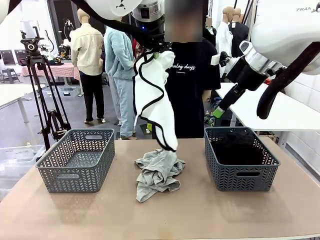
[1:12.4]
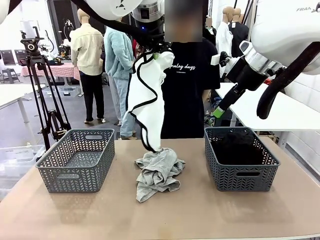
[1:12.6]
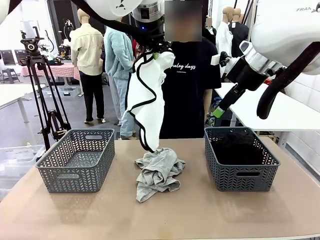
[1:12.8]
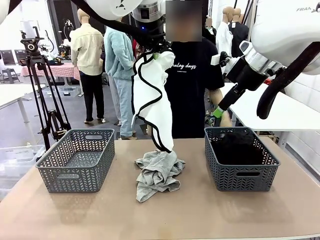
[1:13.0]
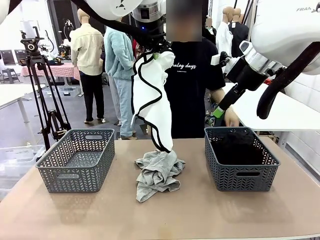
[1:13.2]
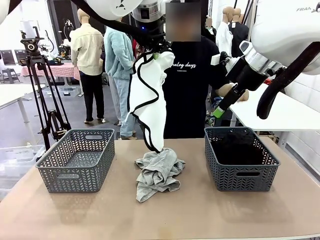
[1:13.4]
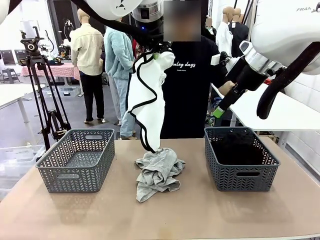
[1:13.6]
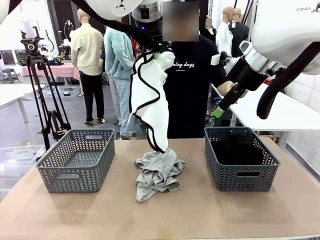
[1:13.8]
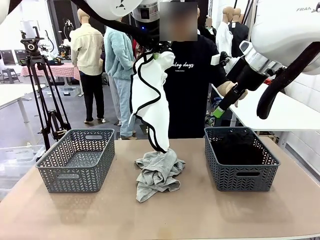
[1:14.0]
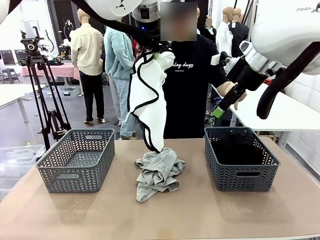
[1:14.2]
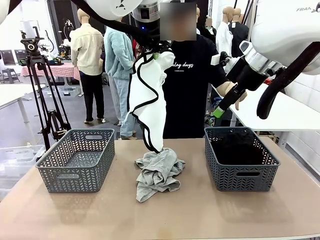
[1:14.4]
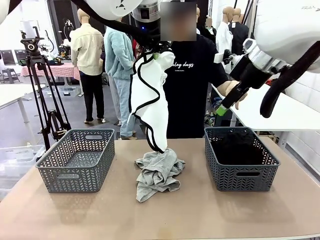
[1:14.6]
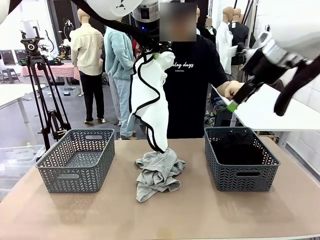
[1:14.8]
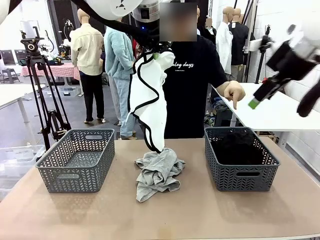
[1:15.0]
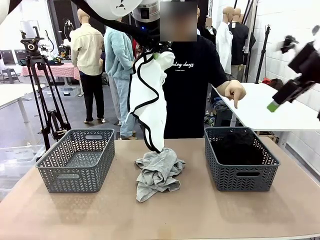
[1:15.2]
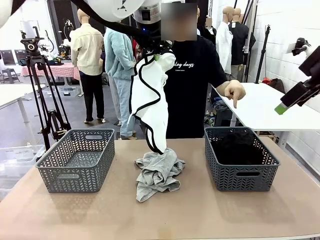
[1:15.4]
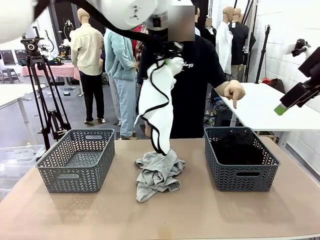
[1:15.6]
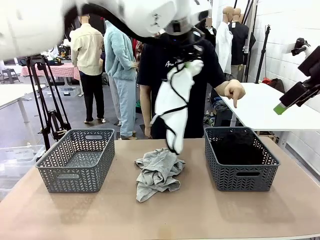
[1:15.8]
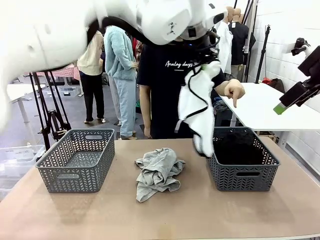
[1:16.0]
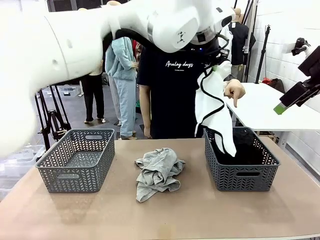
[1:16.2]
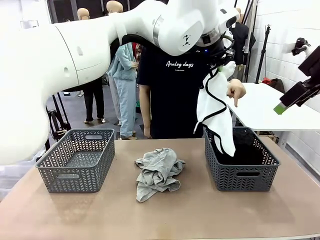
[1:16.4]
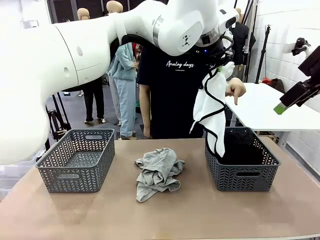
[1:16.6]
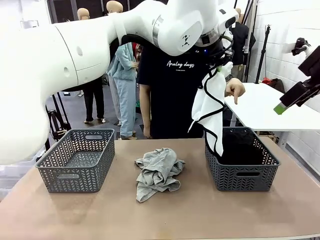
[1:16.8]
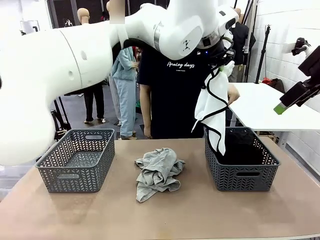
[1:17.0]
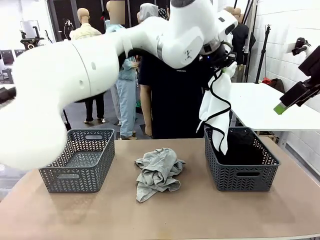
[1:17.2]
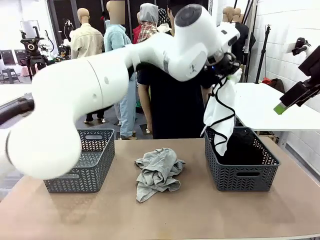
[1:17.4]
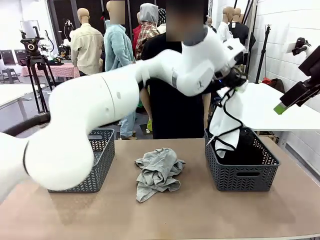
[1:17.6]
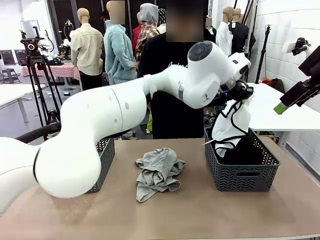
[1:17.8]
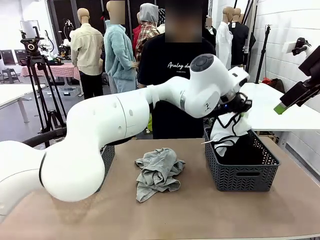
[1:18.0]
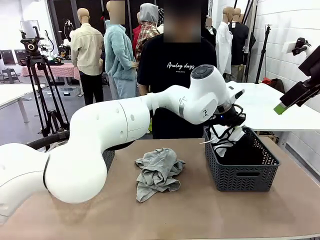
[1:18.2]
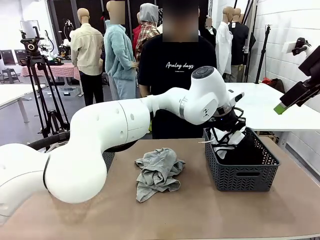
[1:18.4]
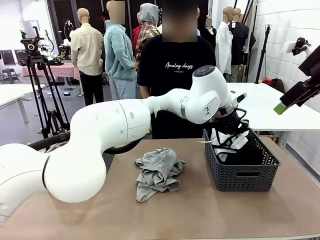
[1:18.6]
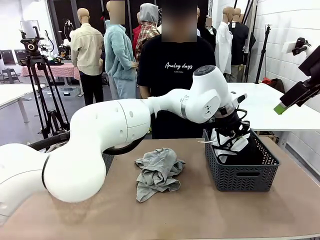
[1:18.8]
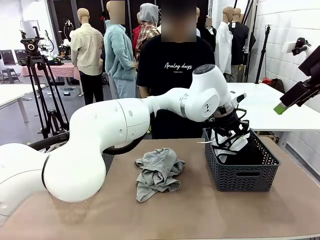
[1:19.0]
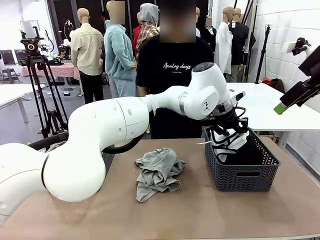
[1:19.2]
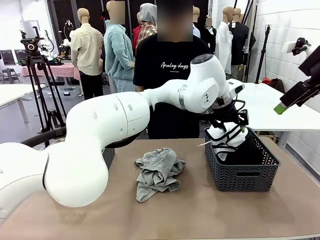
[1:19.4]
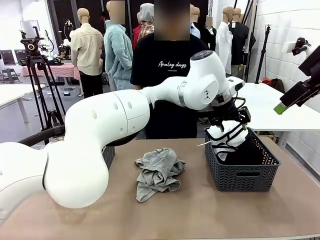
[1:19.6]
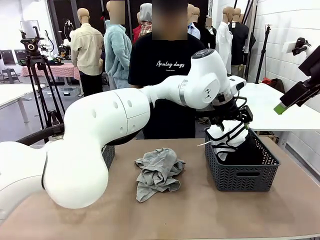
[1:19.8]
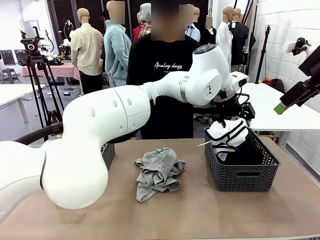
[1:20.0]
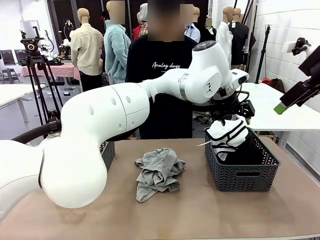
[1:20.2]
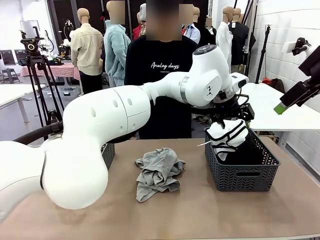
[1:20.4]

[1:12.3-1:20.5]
Task: Sort the tops and bottoms.
Robot: Sort the clothes according to human instructions.

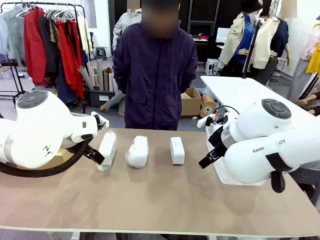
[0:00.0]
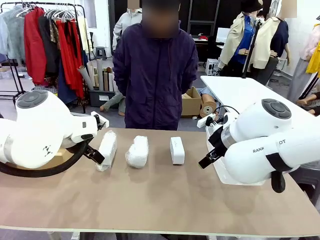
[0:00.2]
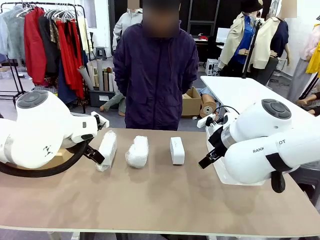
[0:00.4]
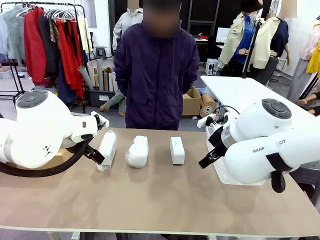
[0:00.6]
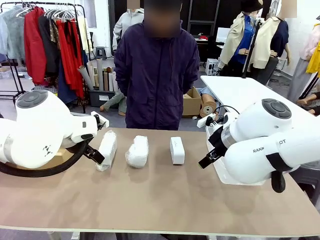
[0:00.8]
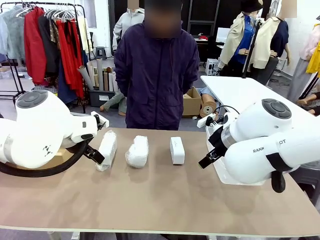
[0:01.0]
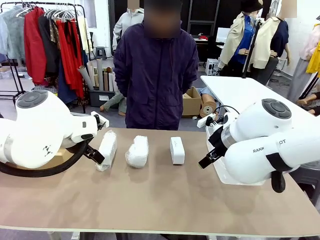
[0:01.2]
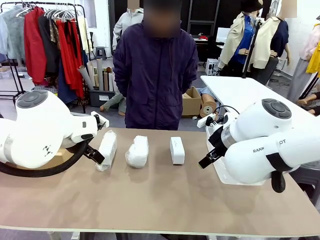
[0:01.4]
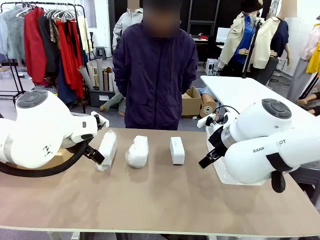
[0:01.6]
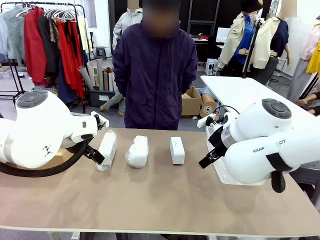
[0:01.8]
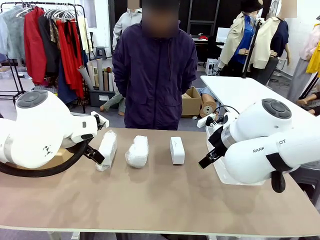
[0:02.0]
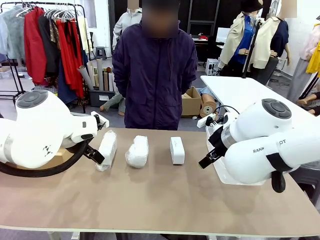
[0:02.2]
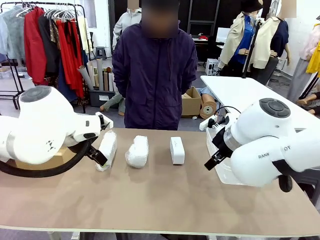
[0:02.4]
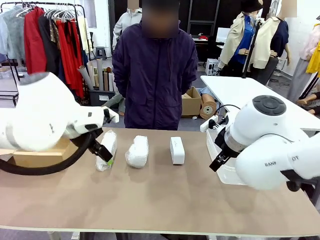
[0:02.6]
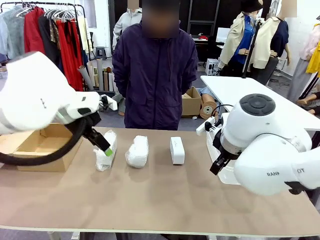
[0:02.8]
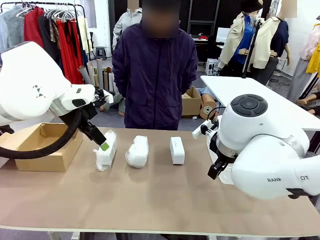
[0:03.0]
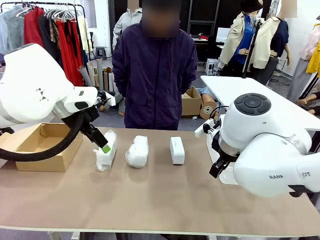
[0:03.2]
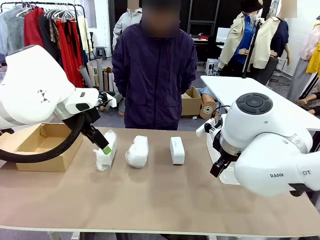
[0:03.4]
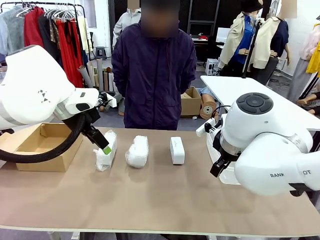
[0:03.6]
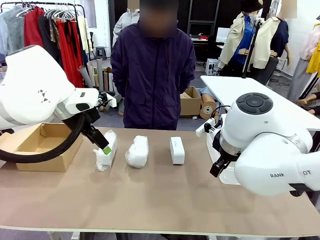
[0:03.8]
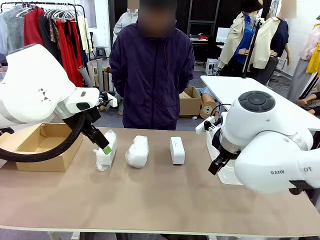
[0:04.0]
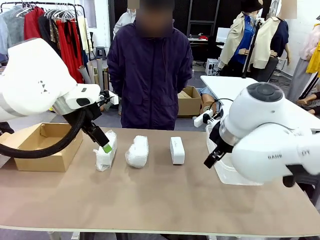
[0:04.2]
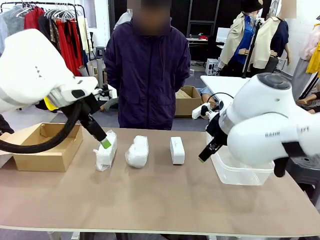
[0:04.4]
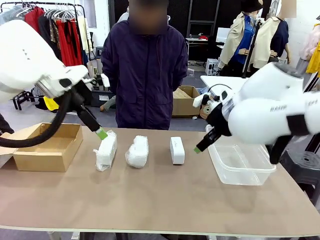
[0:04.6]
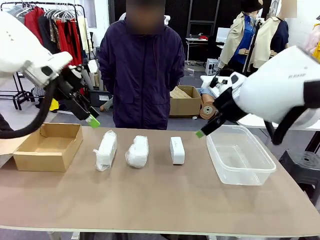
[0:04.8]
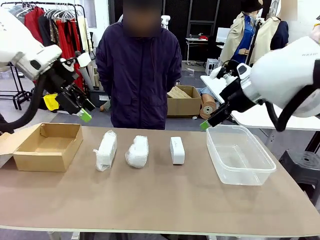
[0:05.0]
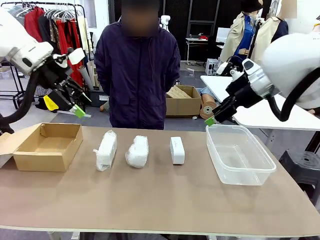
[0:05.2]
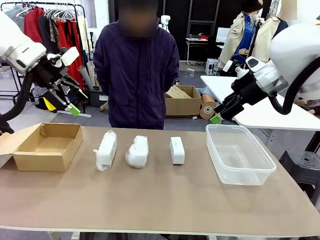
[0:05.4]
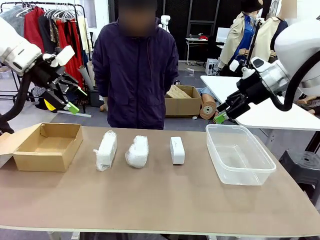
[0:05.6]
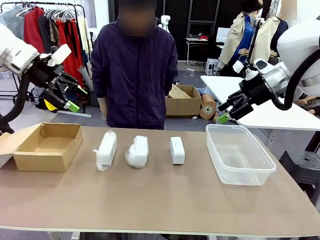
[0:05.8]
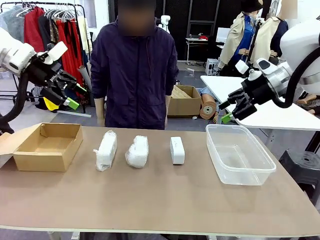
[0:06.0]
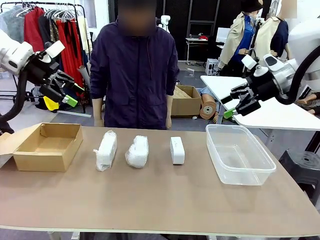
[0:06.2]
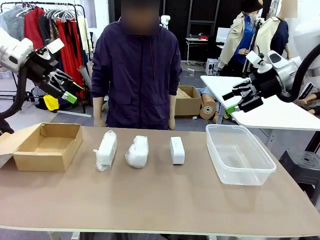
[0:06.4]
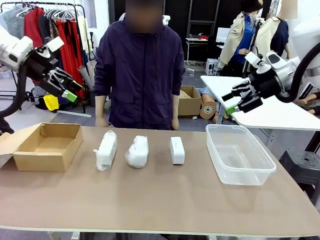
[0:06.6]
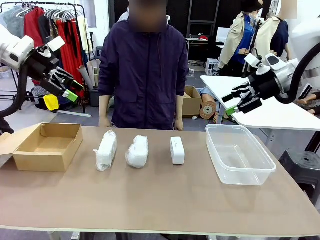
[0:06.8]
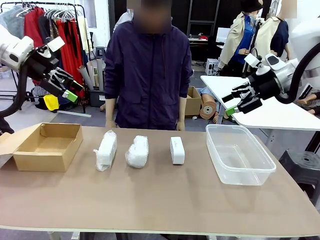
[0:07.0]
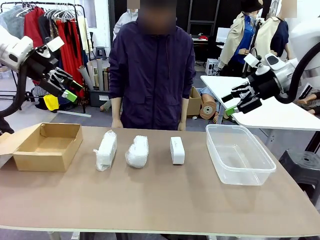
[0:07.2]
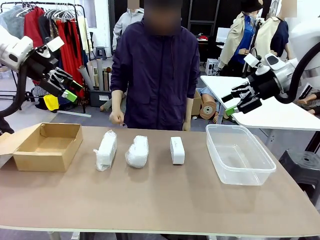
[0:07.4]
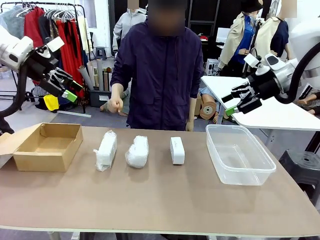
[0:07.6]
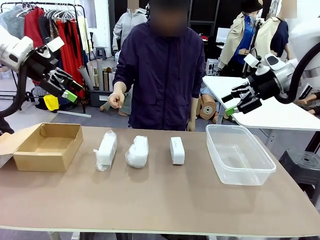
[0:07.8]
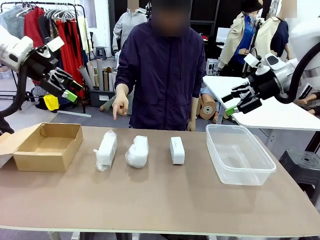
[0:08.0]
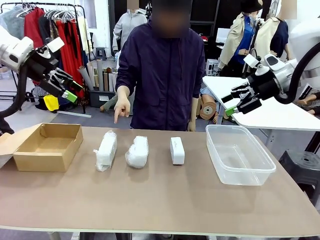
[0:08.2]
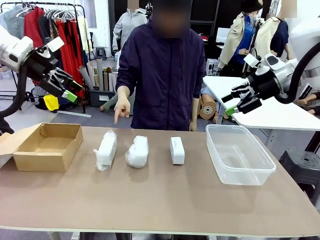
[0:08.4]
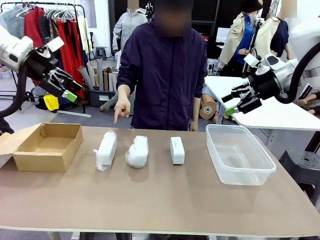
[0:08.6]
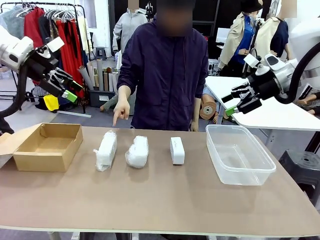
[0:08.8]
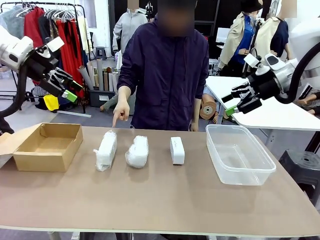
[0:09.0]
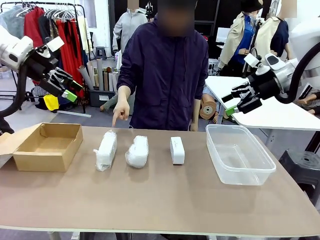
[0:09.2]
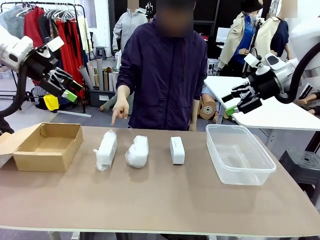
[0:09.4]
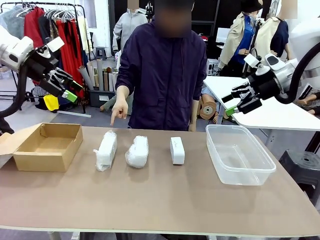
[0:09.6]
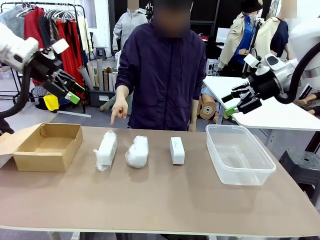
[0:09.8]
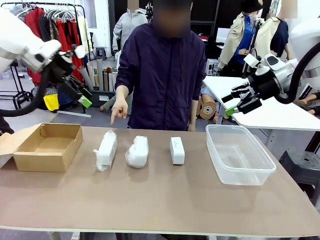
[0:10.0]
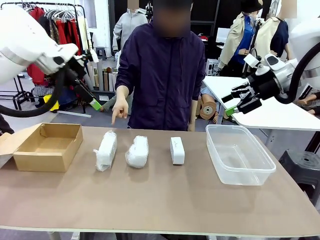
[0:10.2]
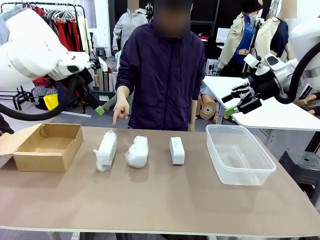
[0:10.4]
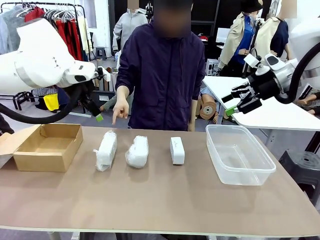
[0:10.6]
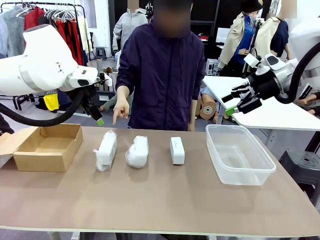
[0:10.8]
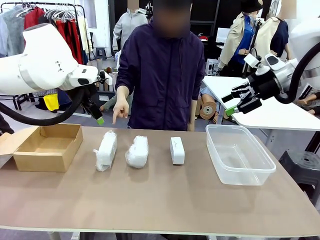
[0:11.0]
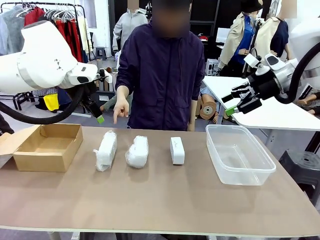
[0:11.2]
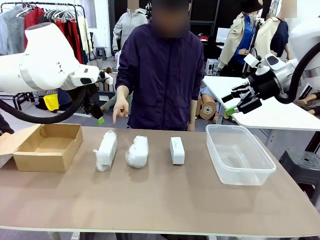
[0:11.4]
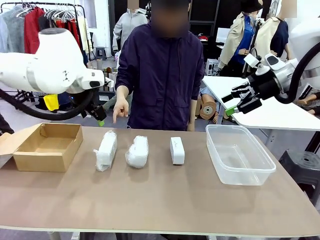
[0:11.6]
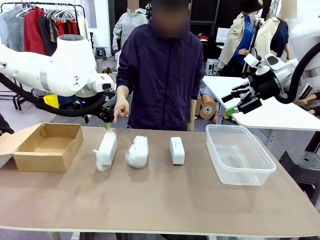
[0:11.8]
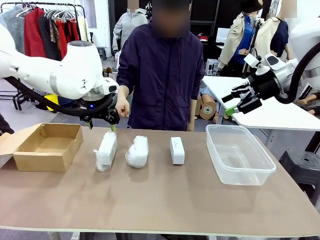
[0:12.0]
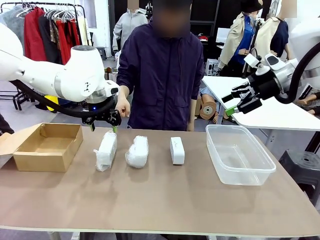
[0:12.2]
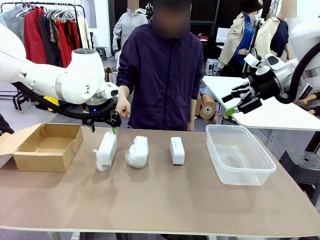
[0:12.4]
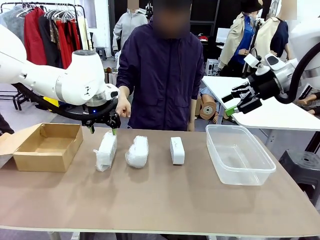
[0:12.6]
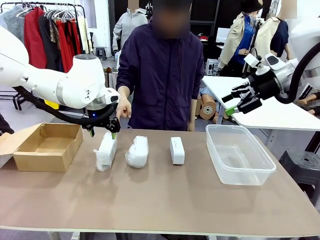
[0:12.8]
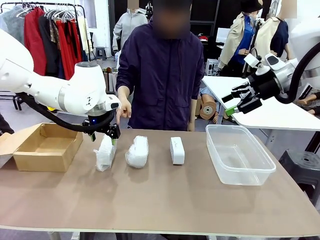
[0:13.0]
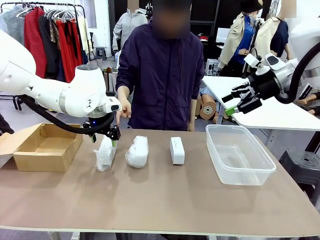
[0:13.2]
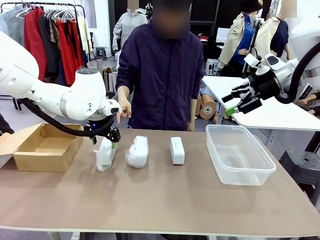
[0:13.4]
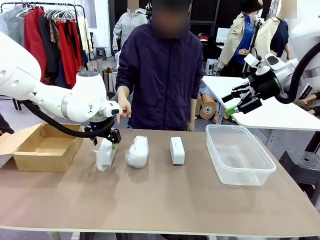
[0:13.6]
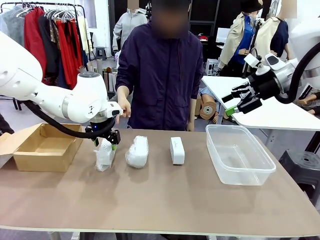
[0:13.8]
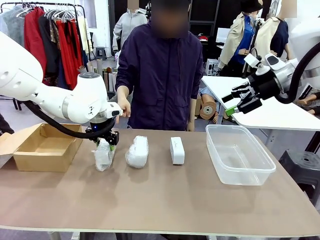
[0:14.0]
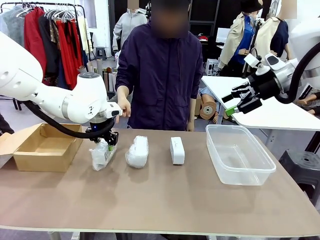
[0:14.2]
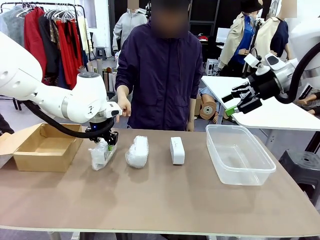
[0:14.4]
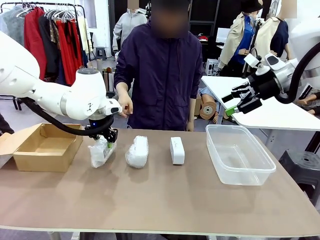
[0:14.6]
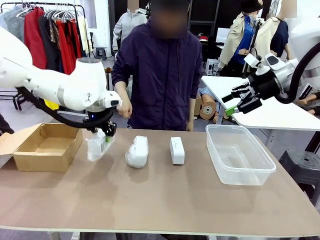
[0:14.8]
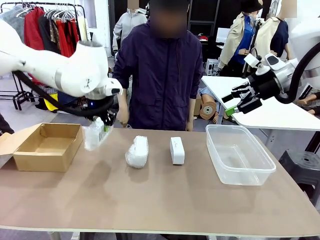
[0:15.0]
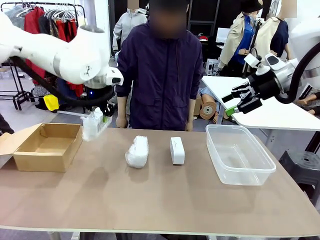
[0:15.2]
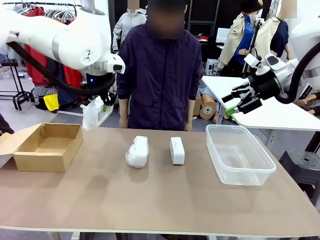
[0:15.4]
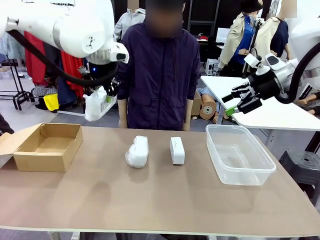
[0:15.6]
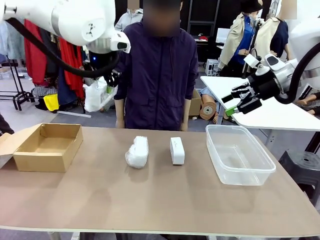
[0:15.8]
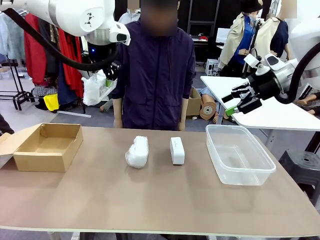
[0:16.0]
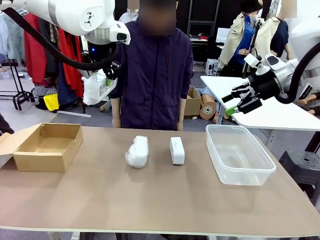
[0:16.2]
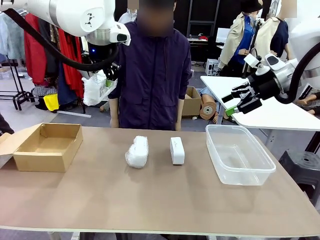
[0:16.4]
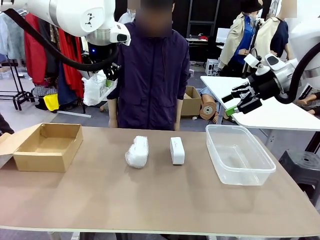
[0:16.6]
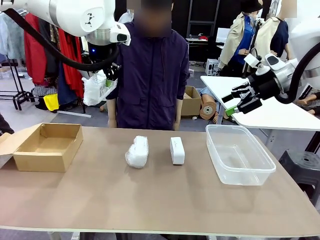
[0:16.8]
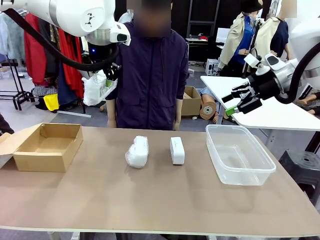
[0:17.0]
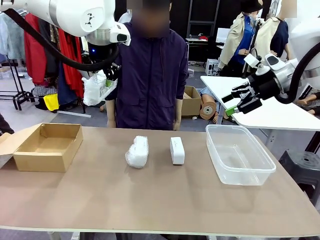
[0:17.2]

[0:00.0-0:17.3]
Task: Separate and place wrapped and unwrapped clocks.
Robot: Pick up the Digital clock indicated by the person.
